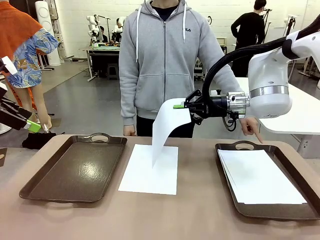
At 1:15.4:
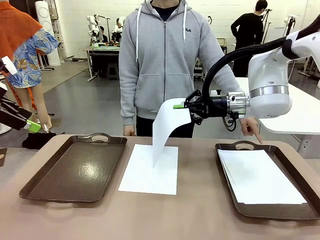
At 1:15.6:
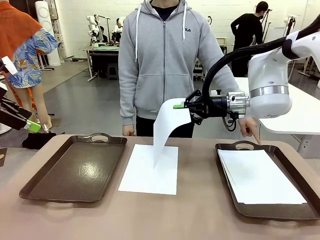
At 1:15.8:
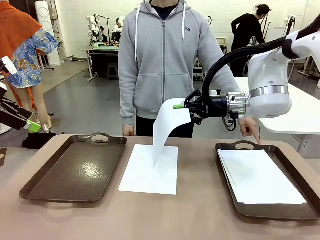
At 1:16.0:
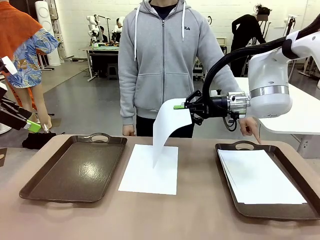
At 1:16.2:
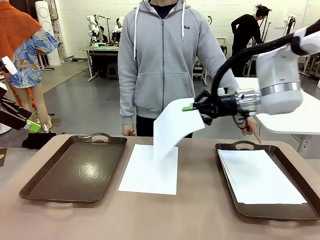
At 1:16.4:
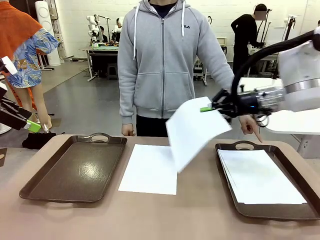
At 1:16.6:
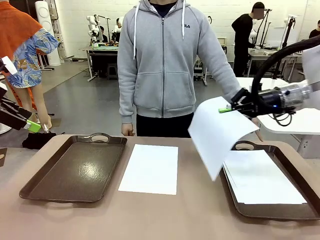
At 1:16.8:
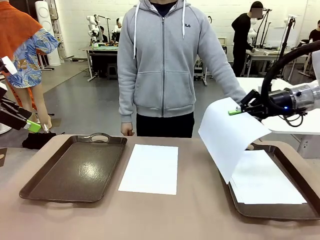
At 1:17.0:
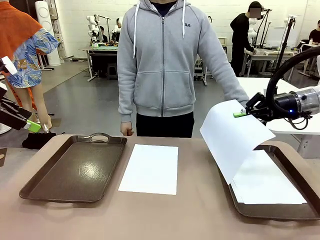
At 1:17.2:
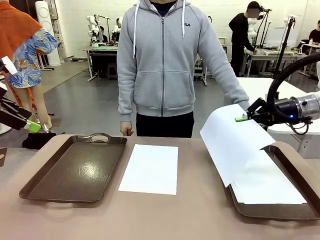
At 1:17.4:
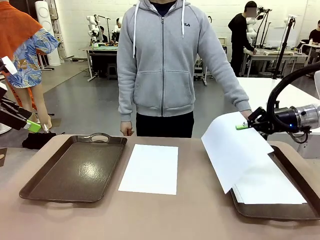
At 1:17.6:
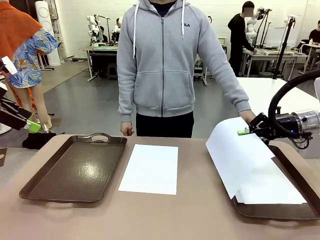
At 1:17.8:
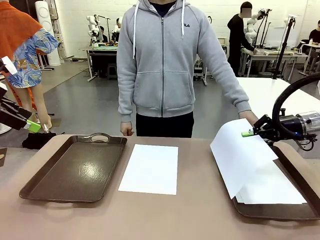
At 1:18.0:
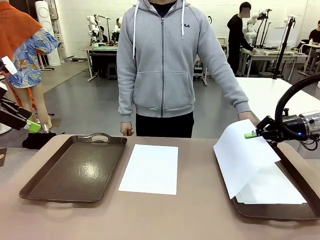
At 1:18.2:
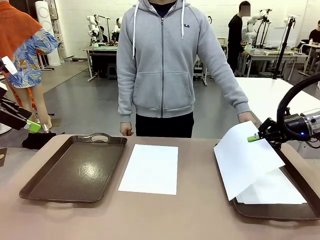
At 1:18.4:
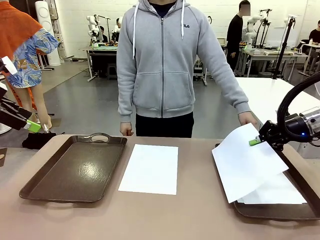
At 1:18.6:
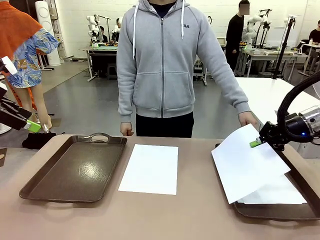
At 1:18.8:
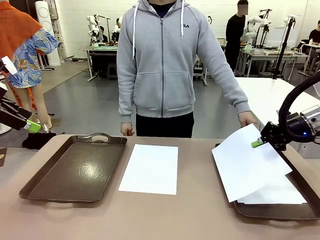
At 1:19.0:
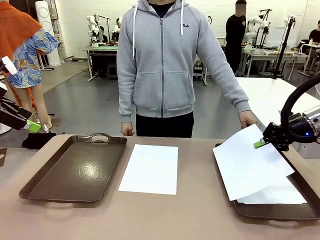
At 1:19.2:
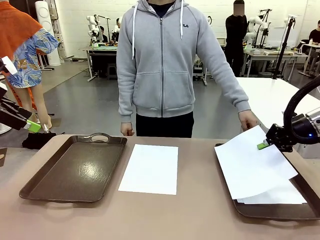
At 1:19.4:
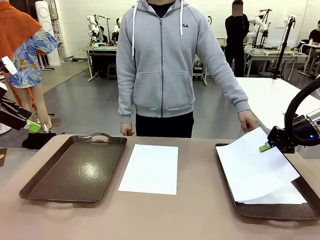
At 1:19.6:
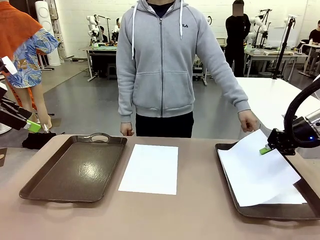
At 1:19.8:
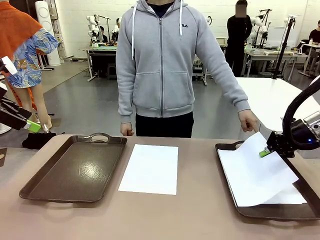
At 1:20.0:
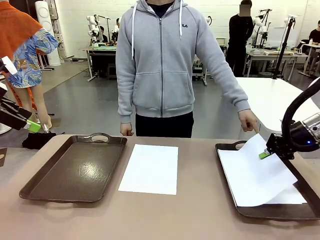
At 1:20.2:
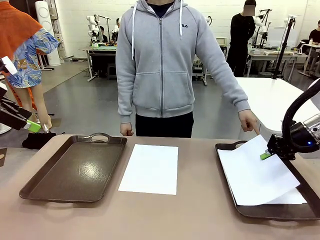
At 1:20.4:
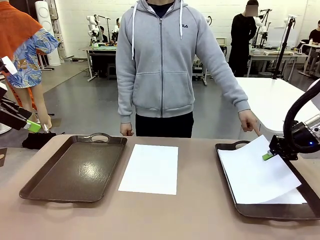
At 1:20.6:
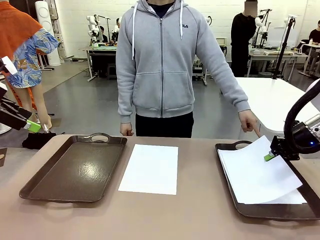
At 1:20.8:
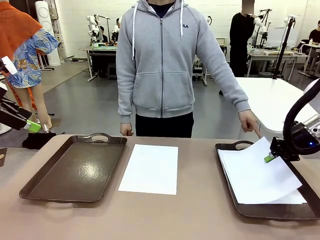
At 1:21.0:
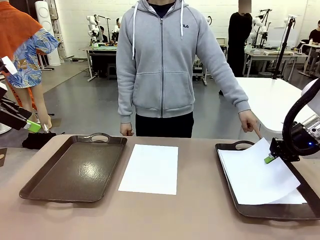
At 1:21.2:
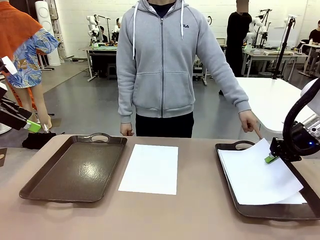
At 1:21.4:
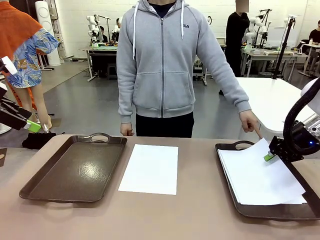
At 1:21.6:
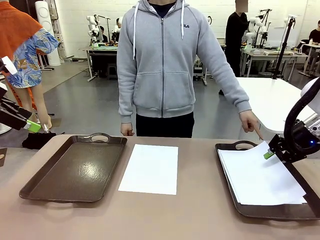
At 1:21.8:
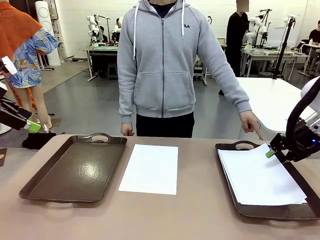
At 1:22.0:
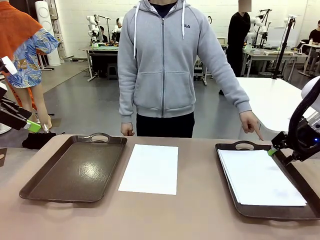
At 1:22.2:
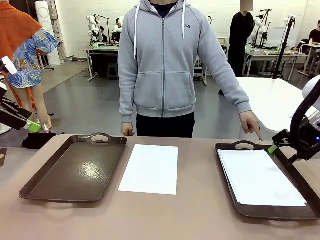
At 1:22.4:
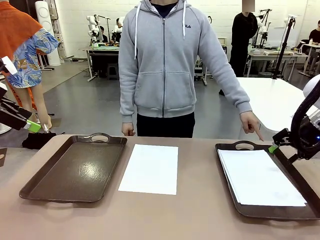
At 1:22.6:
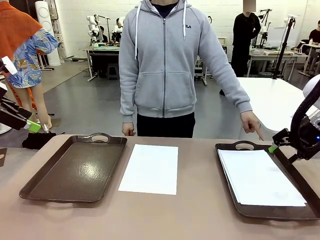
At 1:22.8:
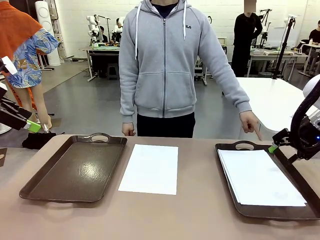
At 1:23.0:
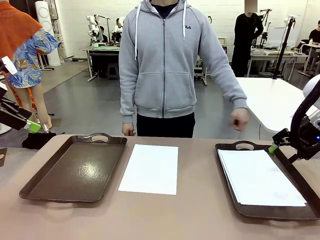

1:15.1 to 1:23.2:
Task: Sort the A4 documents.
Robot: Place the A4 Paper in the designated Handle tray.

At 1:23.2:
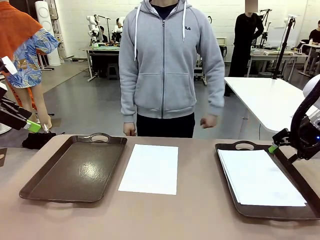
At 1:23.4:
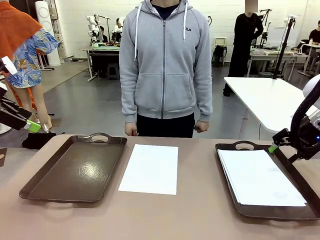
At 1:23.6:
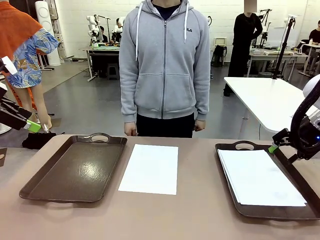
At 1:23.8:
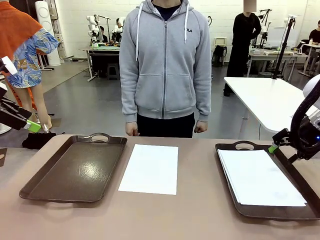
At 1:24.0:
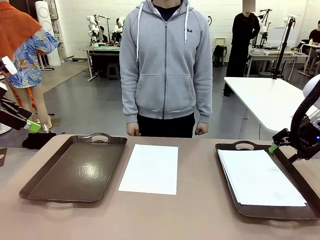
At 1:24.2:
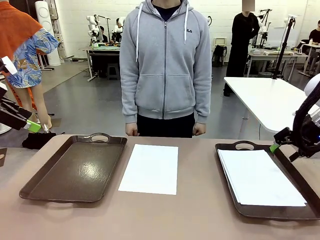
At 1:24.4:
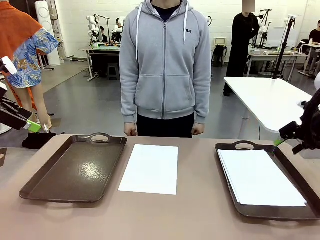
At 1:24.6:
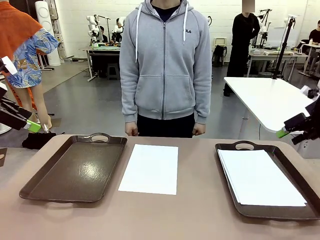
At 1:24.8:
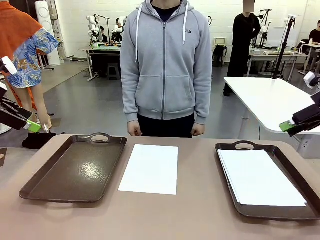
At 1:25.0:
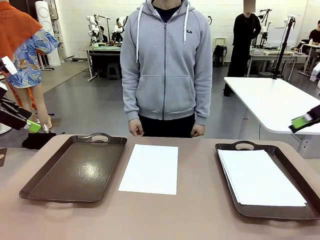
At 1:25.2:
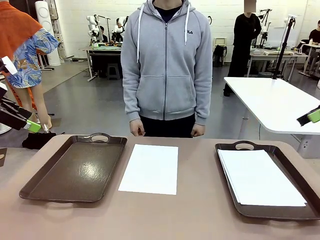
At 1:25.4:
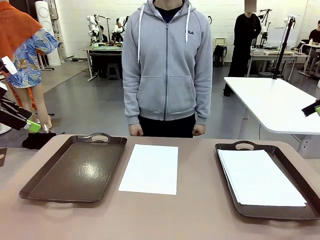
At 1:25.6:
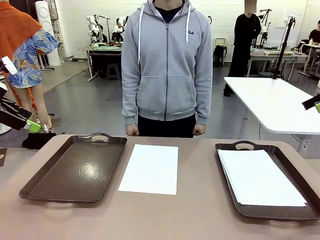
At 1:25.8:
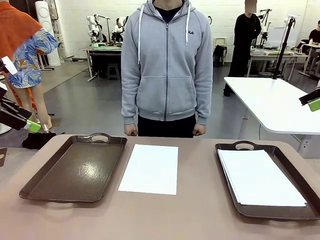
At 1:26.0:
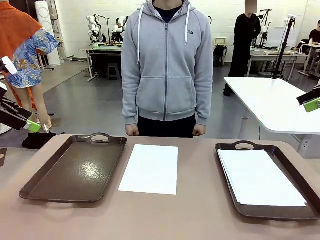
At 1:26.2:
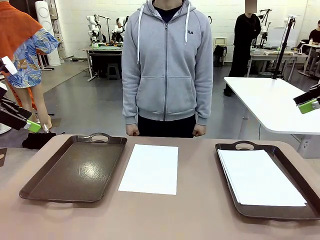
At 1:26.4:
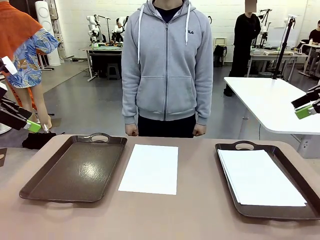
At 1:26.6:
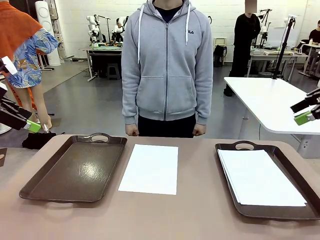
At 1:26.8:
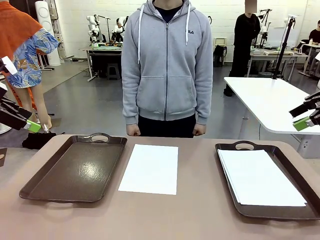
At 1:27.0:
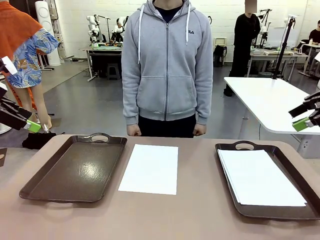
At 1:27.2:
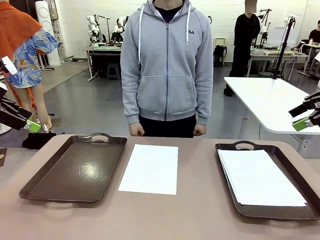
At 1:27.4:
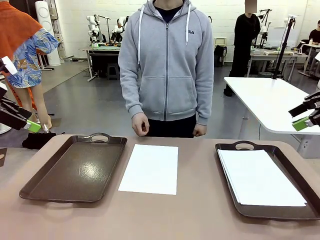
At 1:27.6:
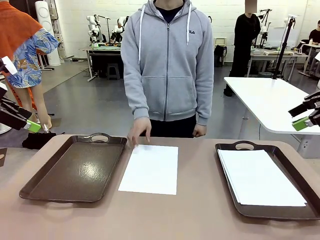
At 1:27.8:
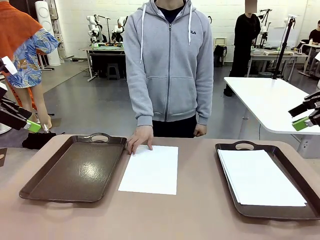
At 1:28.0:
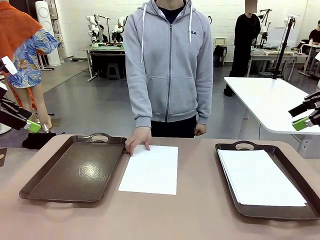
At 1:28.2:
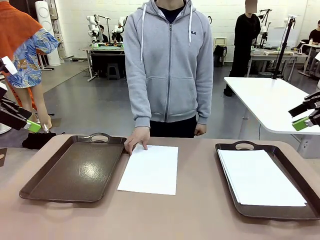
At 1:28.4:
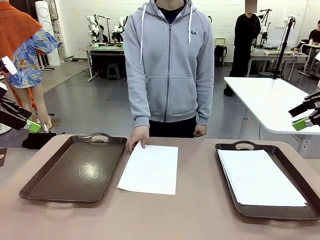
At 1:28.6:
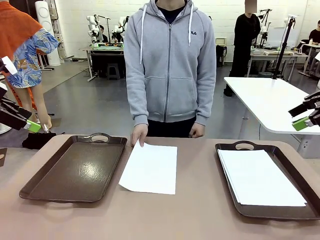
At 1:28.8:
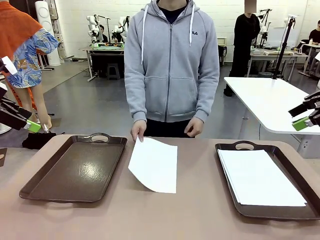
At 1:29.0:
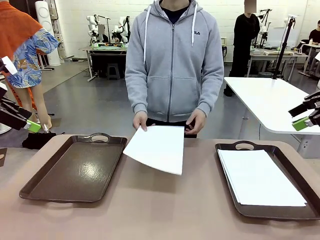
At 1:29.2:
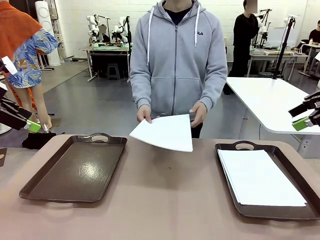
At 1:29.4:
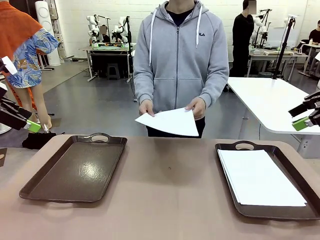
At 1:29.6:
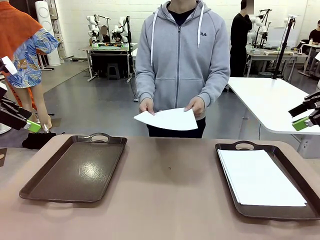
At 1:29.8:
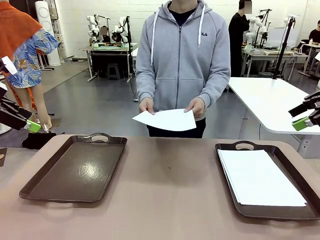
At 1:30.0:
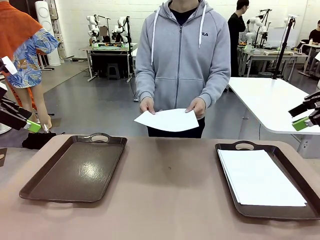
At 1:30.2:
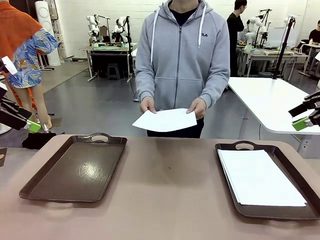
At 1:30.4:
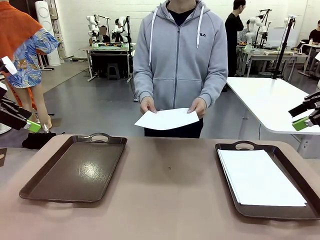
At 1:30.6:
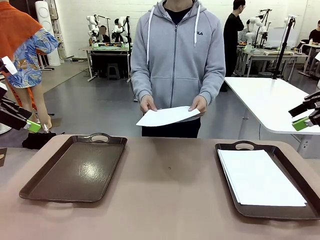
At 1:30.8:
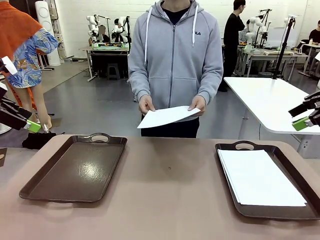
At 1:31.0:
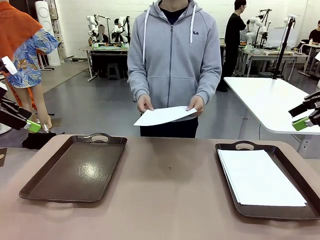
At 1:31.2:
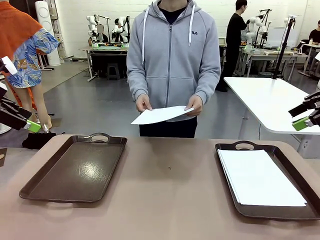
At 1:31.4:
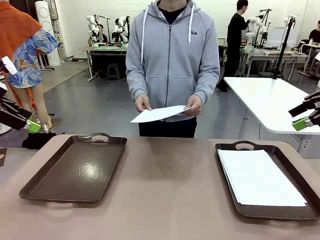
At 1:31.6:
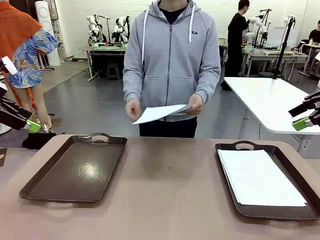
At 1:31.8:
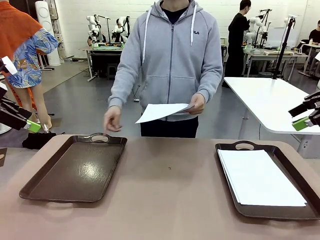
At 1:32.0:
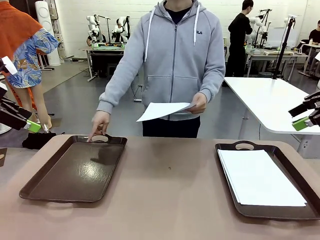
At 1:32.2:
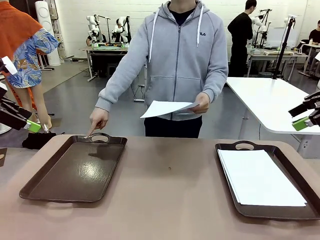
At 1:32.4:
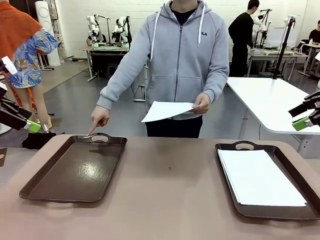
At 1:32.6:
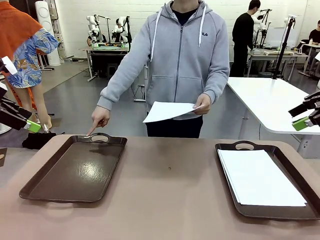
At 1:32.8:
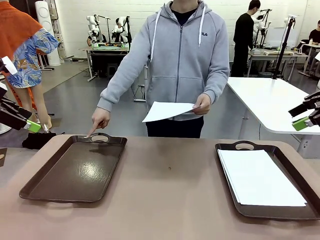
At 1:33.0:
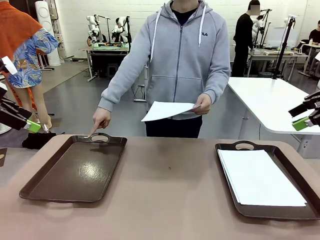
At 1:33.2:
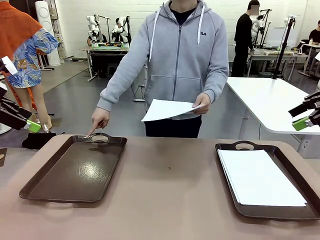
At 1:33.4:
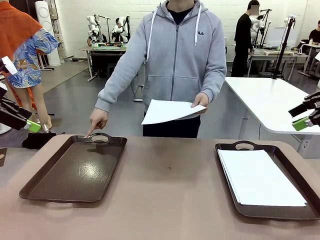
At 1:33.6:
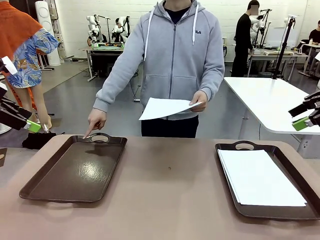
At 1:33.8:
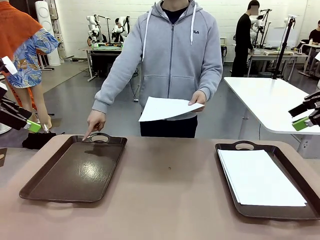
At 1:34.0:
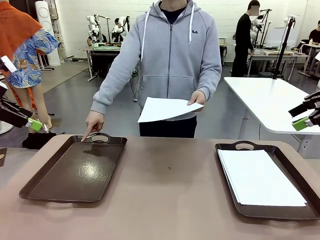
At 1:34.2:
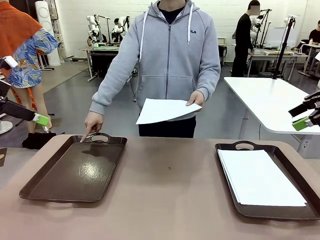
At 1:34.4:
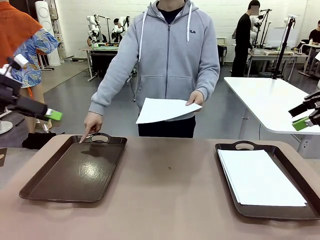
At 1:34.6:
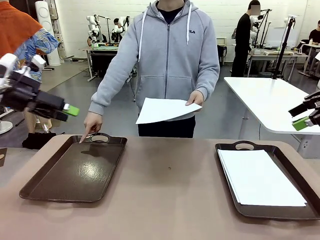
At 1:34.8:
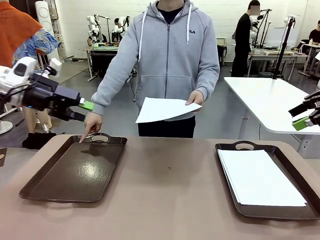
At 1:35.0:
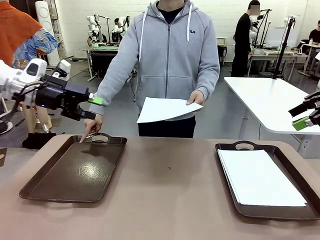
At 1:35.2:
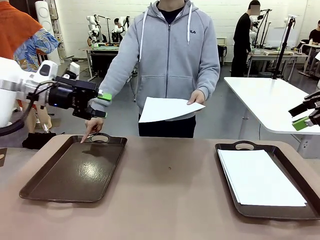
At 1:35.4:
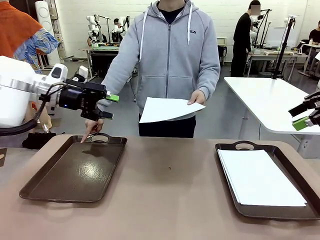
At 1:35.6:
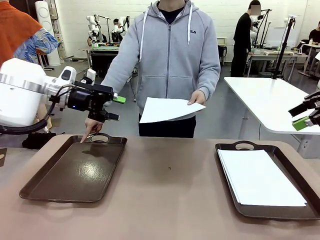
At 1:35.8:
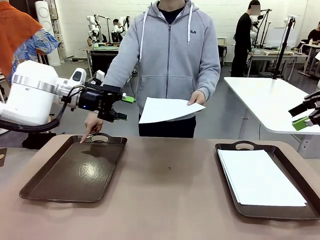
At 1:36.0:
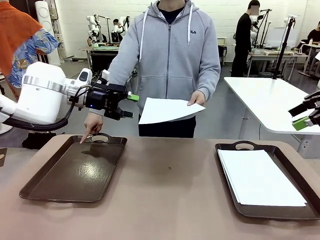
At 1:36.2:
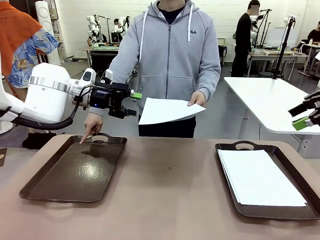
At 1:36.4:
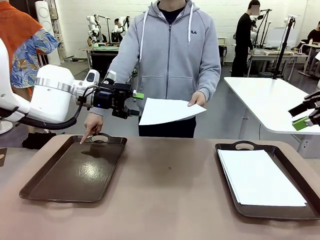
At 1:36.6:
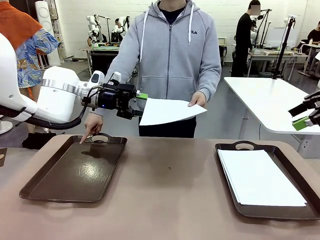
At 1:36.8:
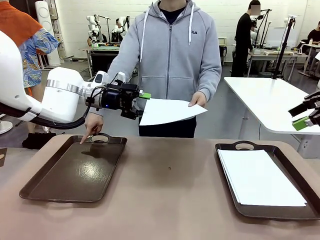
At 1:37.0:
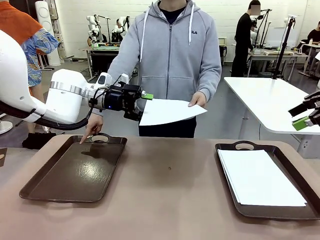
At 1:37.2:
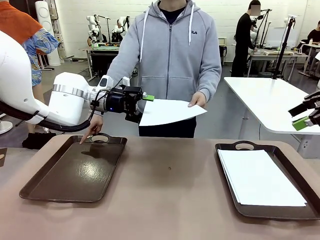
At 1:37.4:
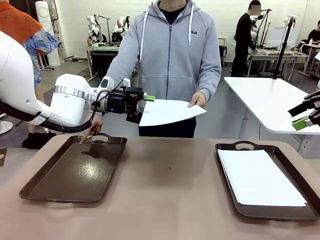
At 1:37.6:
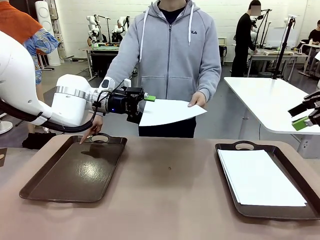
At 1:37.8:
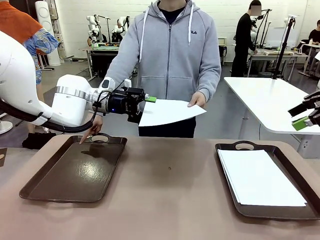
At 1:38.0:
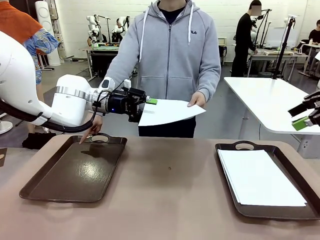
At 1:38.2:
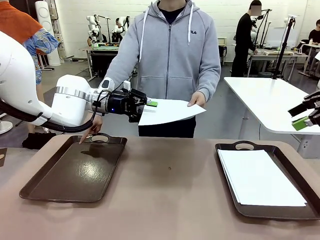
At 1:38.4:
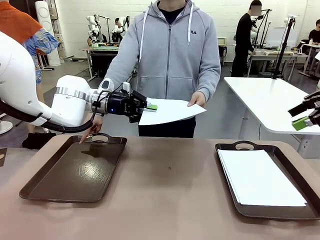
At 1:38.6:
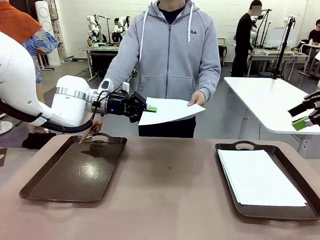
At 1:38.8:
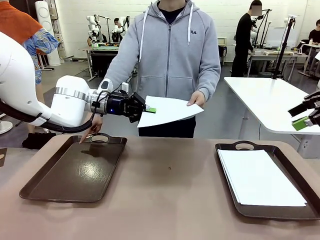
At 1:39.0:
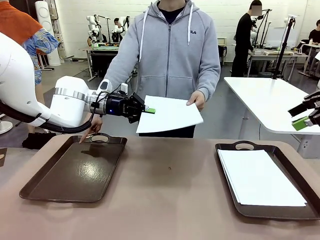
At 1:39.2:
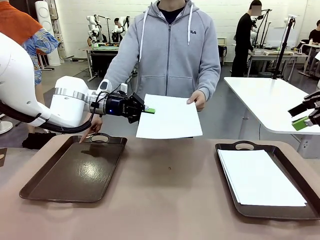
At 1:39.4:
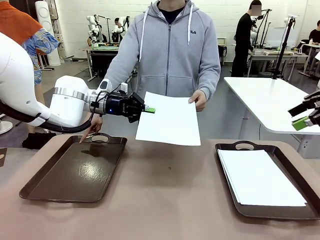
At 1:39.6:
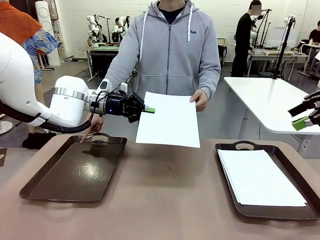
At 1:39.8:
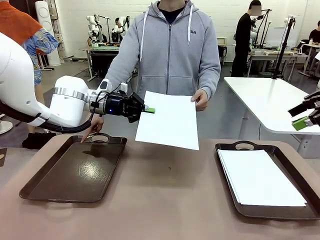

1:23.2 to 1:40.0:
Robot: Receive the A4 Paper.
Person: Point the randomly selected tray with the other hand.
